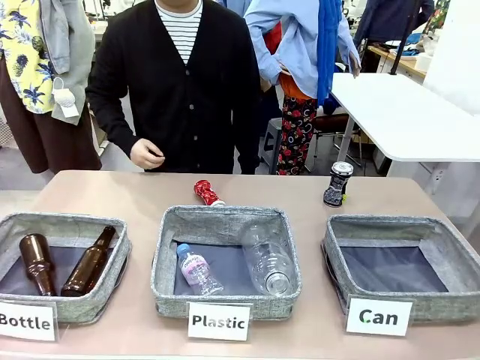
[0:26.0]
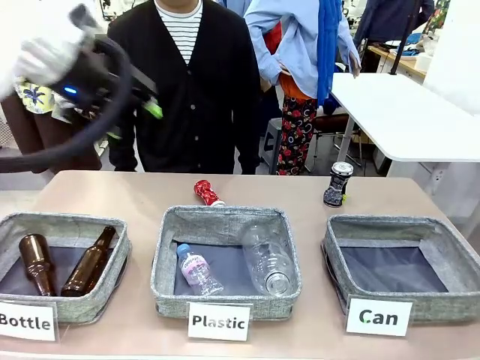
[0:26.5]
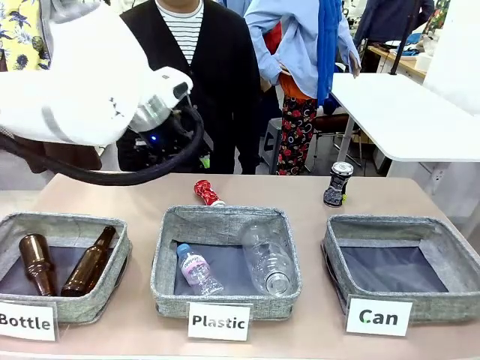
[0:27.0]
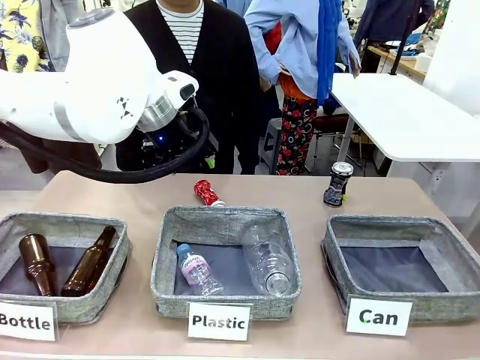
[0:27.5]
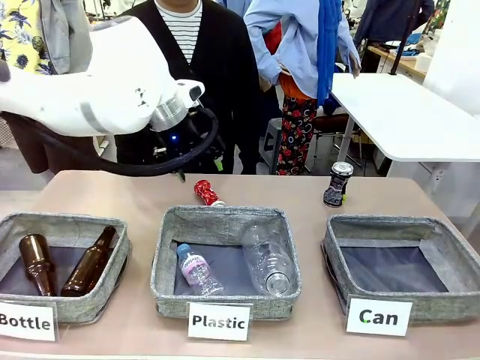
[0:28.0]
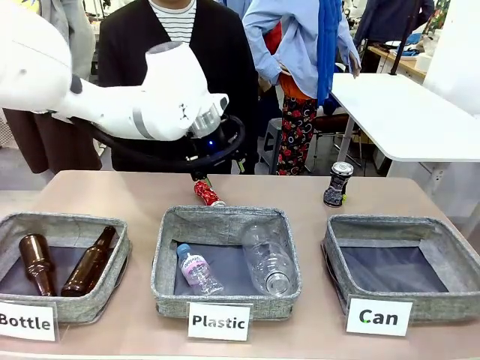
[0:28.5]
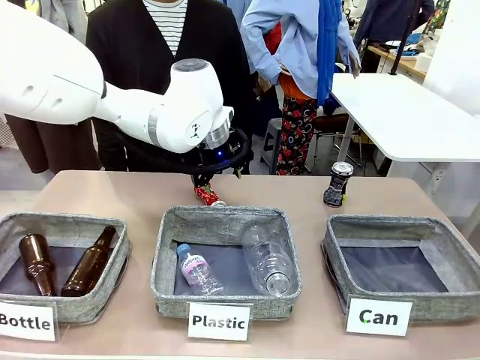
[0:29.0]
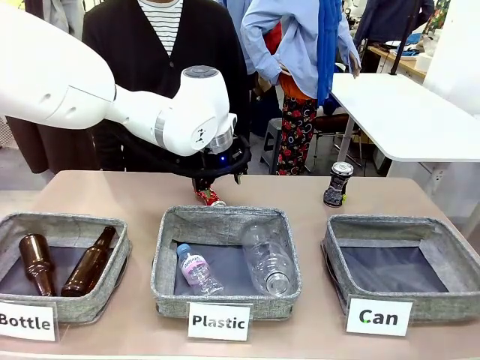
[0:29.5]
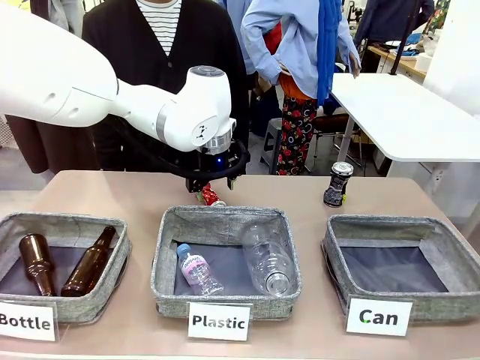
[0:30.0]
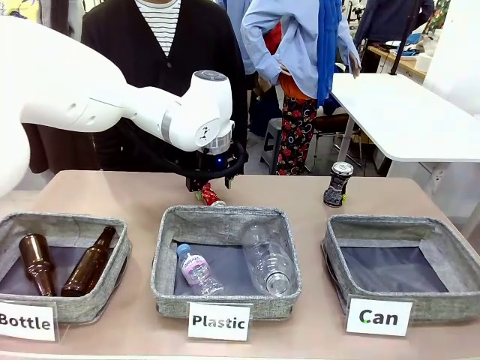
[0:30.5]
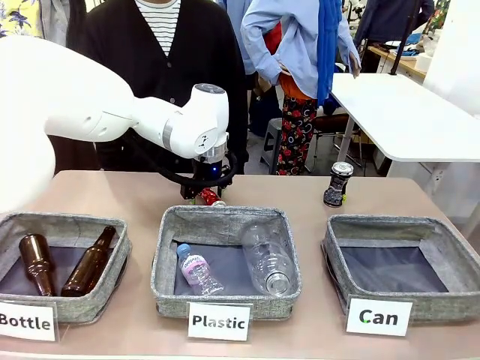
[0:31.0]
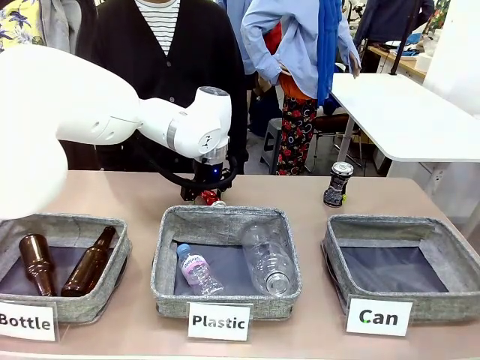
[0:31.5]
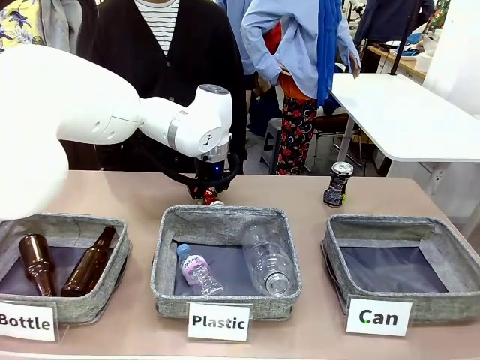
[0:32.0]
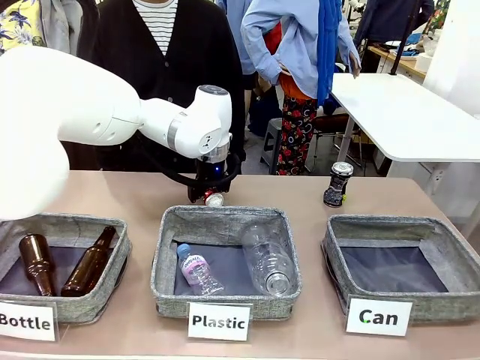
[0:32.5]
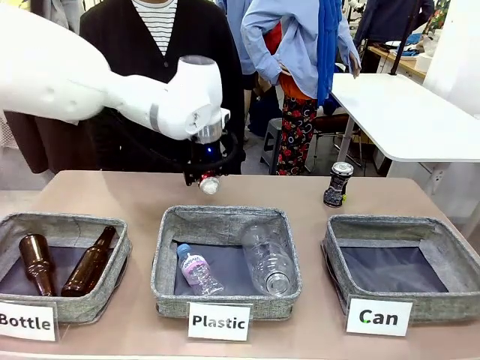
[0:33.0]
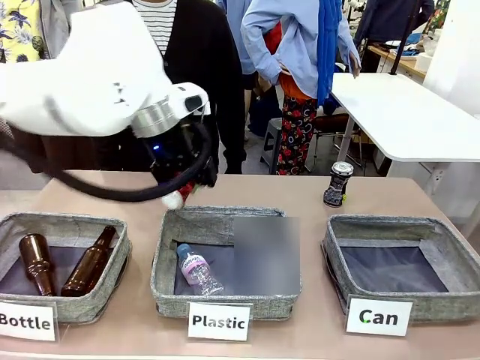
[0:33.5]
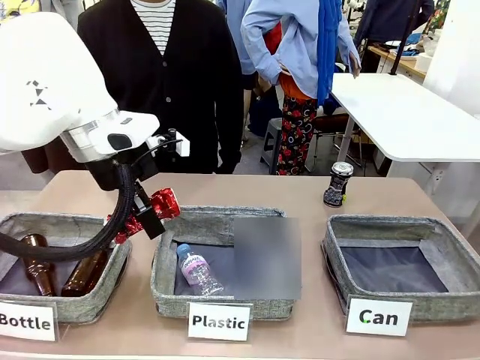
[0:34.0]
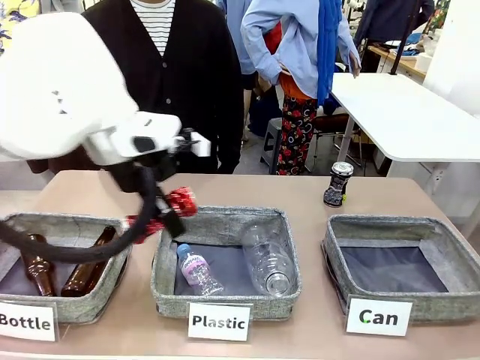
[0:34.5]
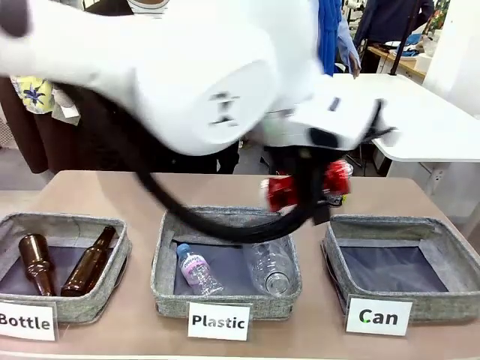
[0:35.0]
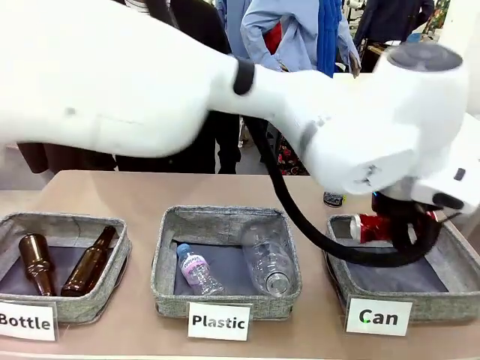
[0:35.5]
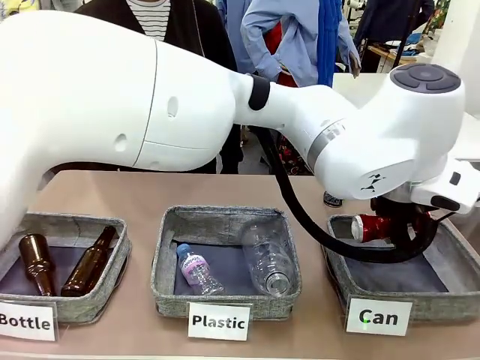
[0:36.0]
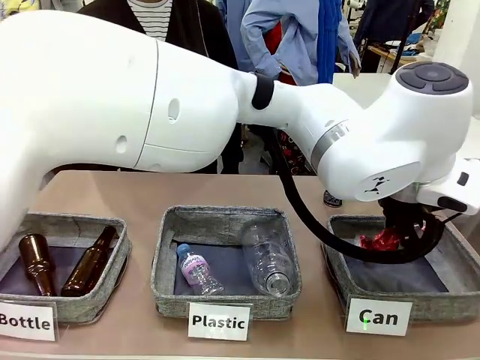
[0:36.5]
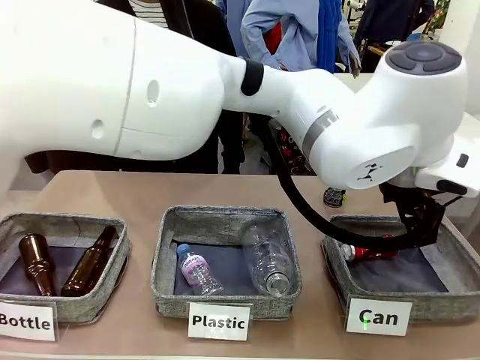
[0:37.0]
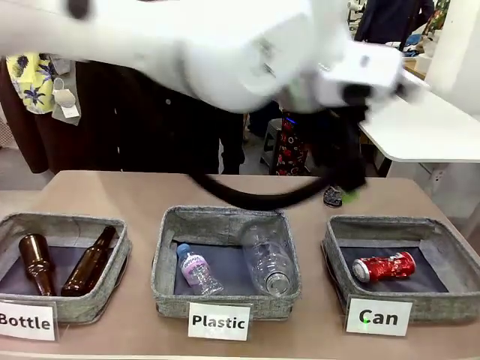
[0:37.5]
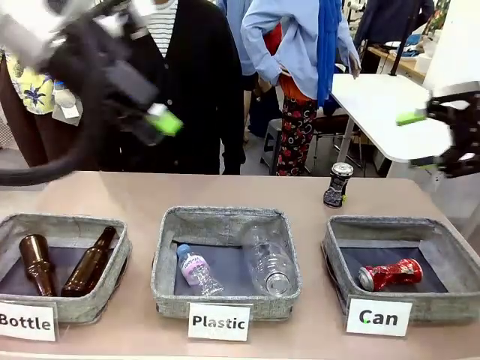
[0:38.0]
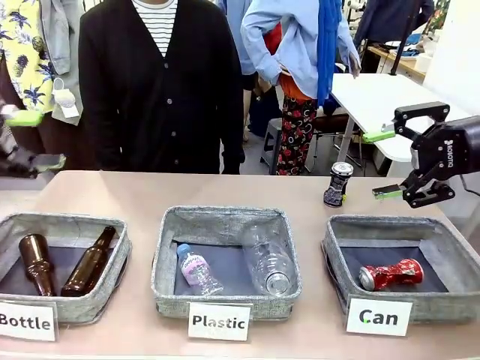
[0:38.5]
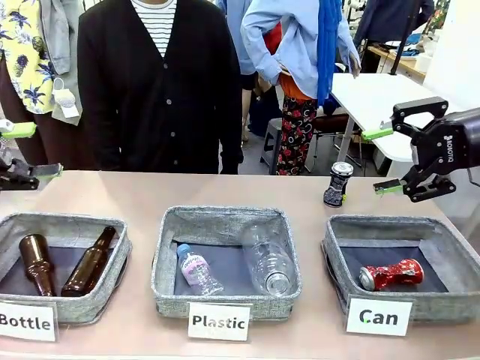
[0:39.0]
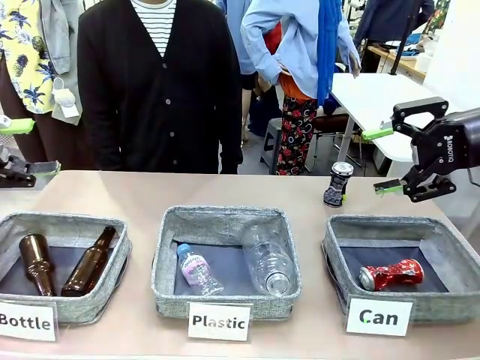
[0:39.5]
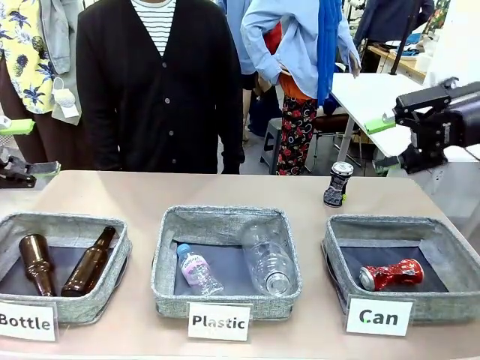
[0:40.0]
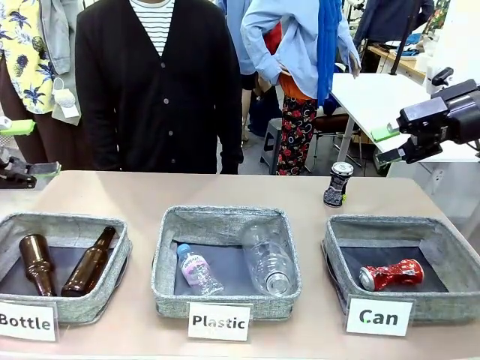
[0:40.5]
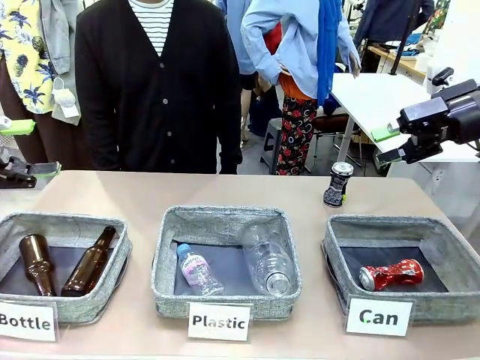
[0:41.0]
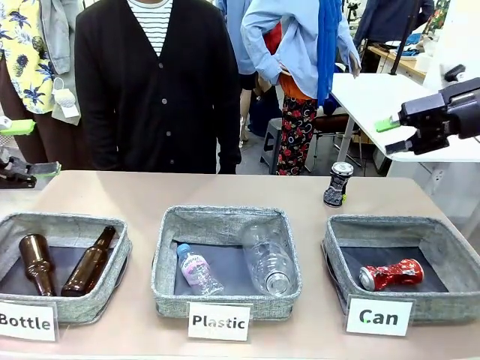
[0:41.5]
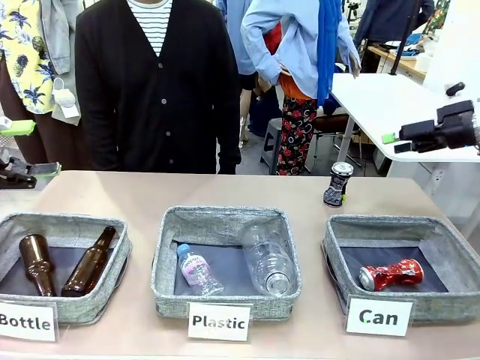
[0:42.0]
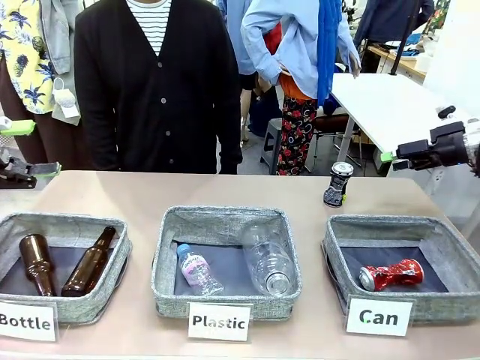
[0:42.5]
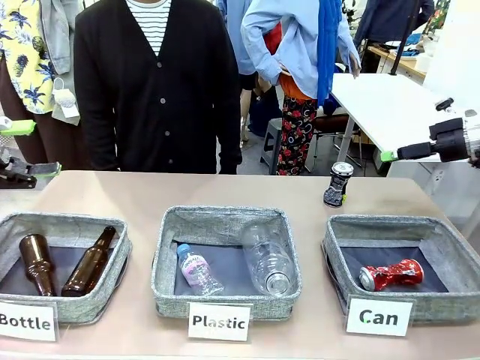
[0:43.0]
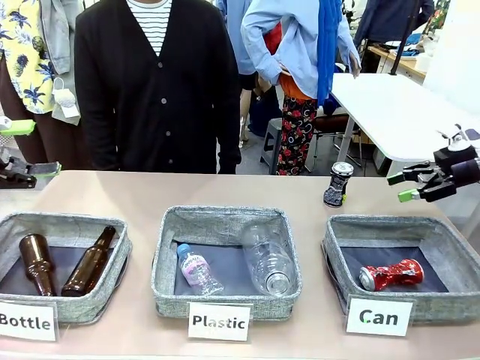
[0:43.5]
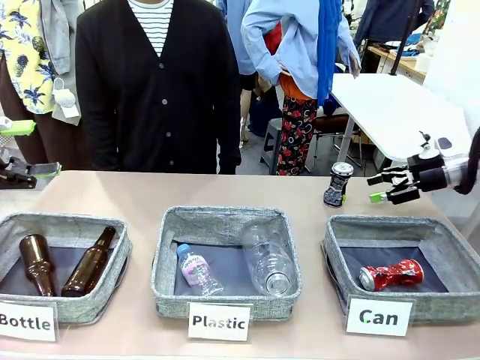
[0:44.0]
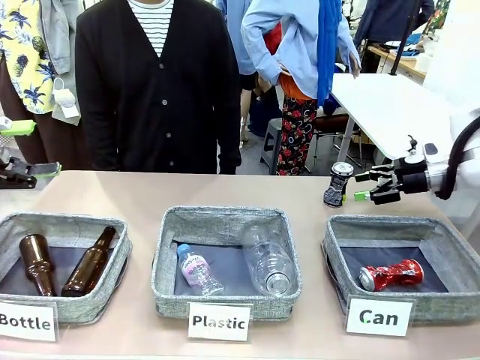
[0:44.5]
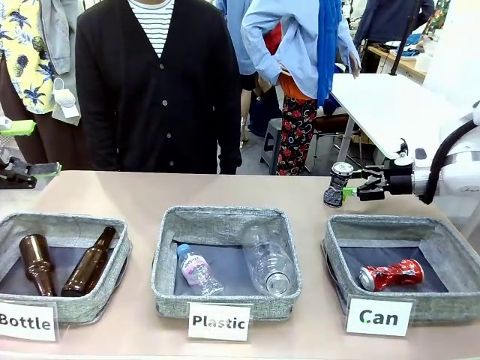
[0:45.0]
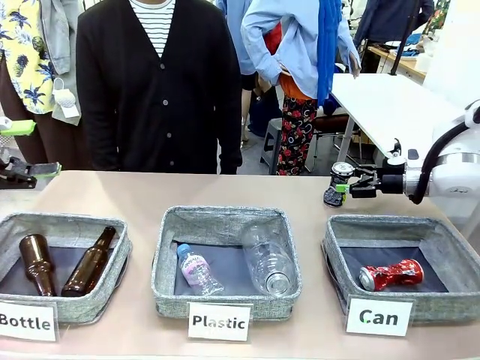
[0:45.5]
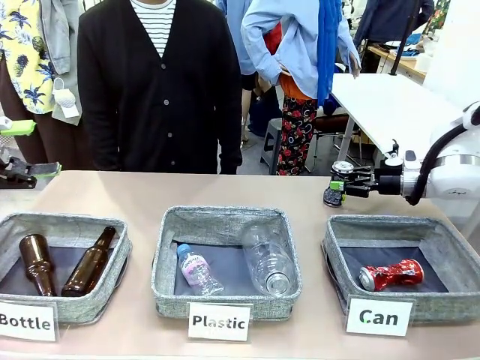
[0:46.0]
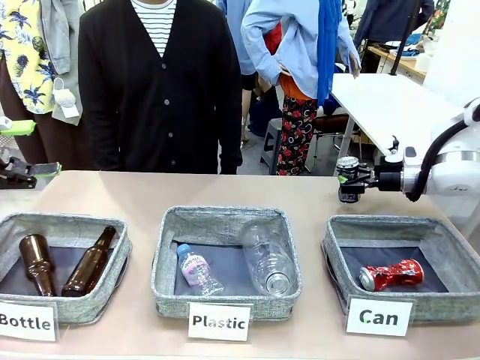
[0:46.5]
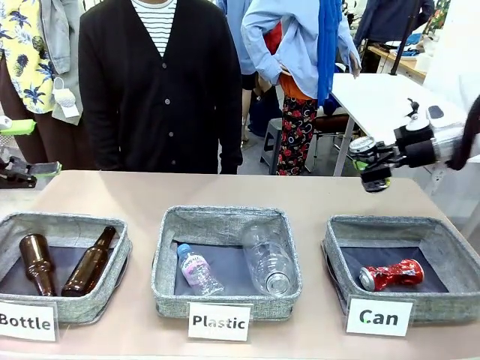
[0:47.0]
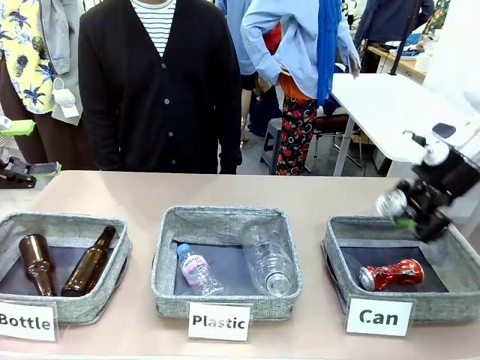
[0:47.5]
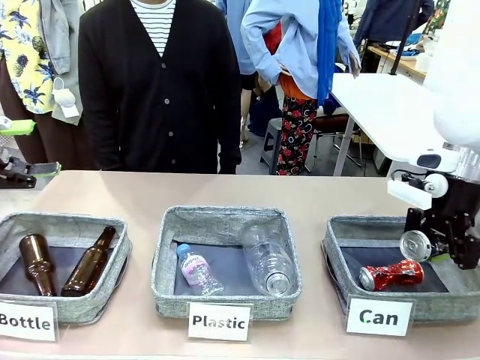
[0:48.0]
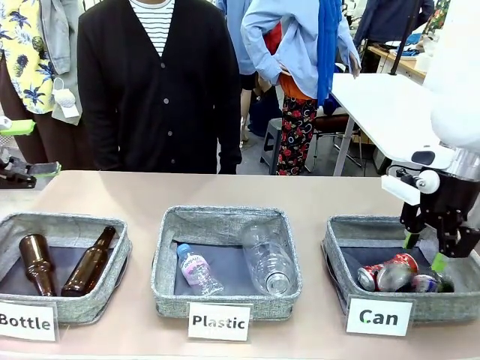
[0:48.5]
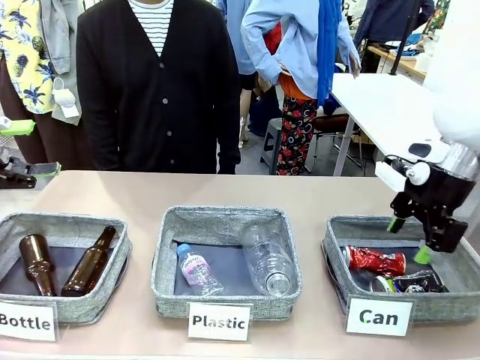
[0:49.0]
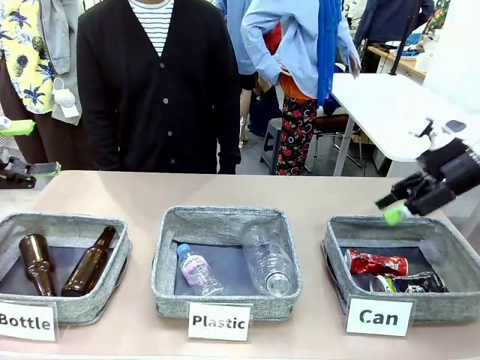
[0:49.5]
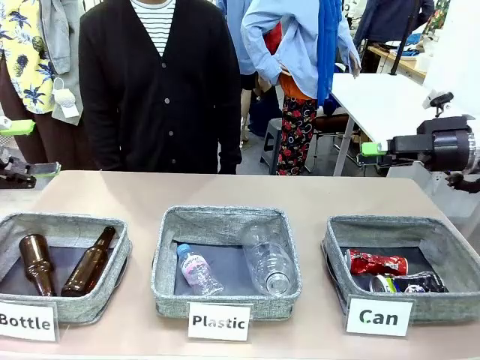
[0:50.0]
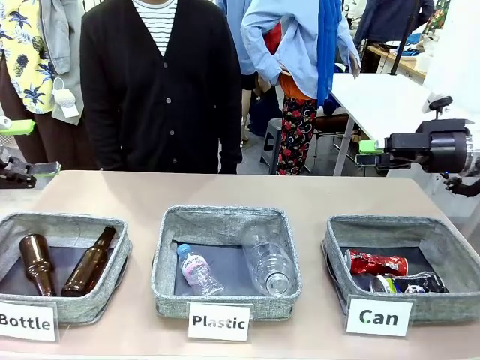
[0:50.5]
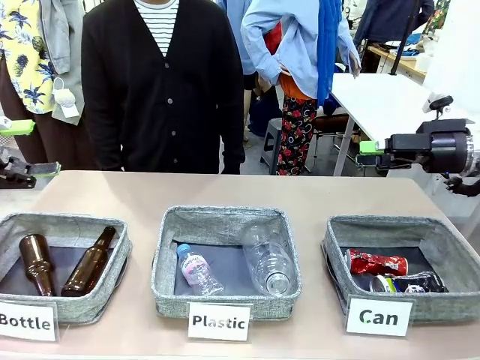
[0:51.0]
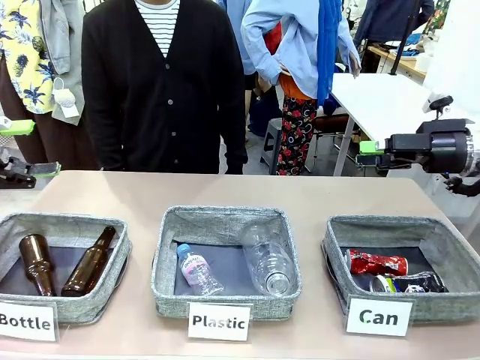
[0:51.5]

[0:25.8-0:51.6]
Task: Sort the can waste into the basket.
Robot: Pick up the can waste from the table and place it in the right Fabric basket.
